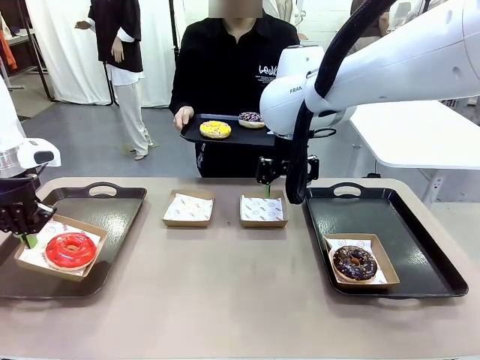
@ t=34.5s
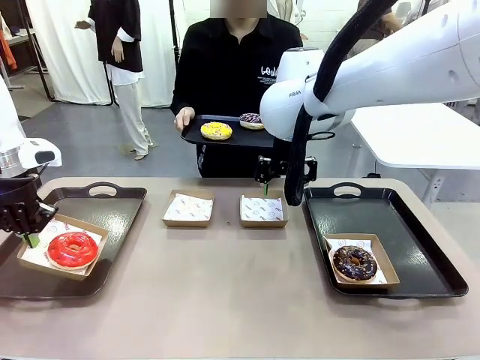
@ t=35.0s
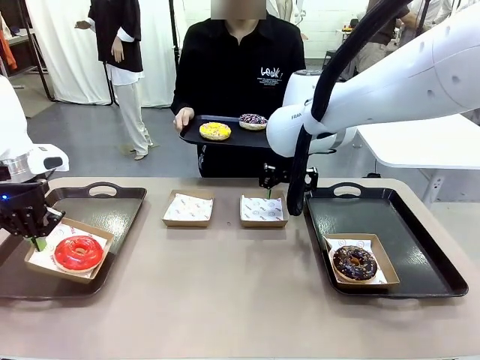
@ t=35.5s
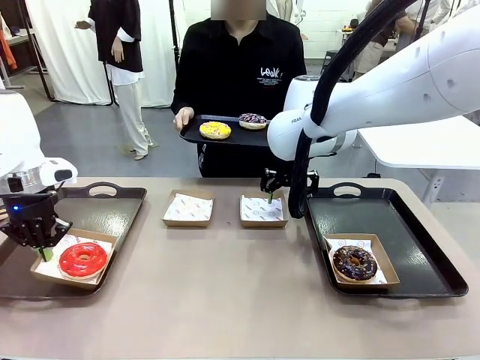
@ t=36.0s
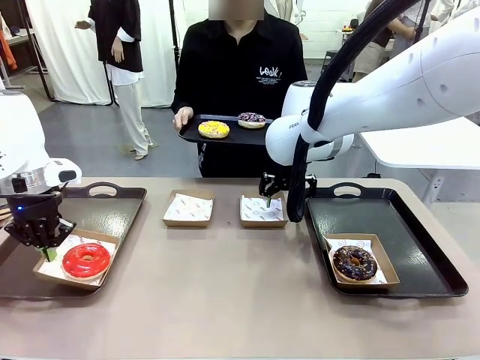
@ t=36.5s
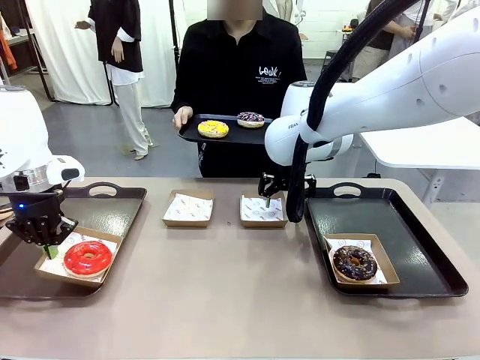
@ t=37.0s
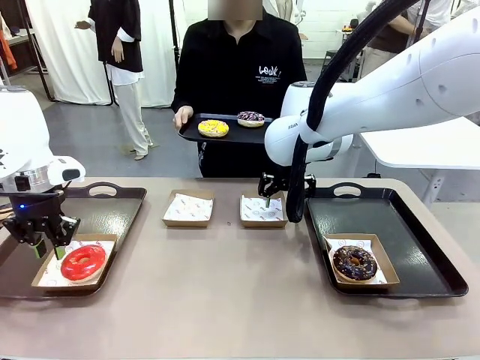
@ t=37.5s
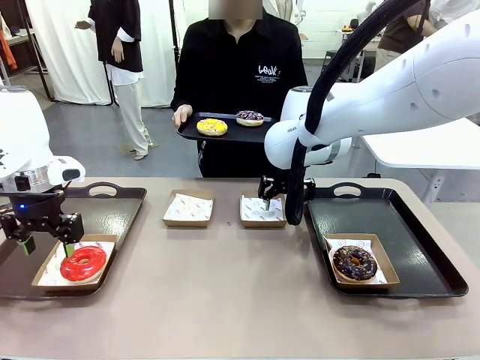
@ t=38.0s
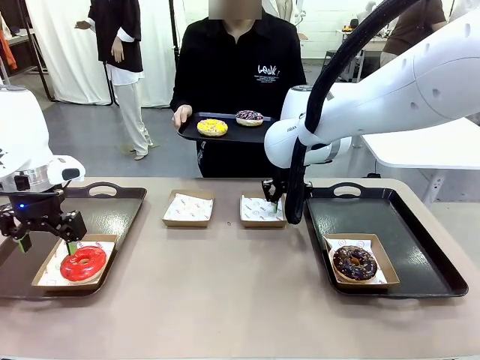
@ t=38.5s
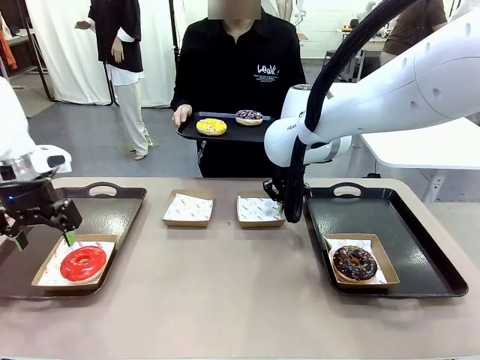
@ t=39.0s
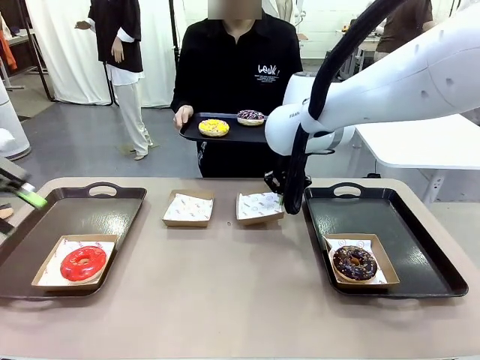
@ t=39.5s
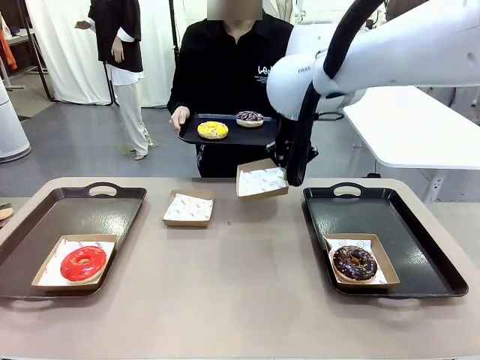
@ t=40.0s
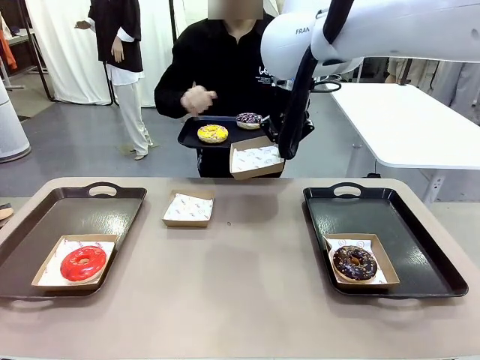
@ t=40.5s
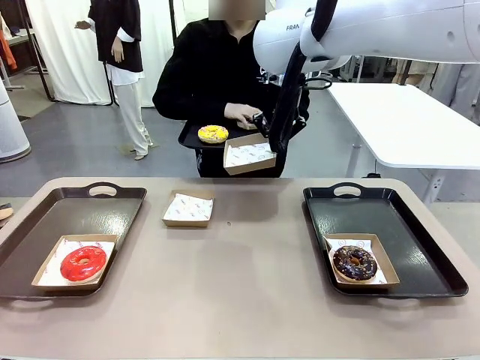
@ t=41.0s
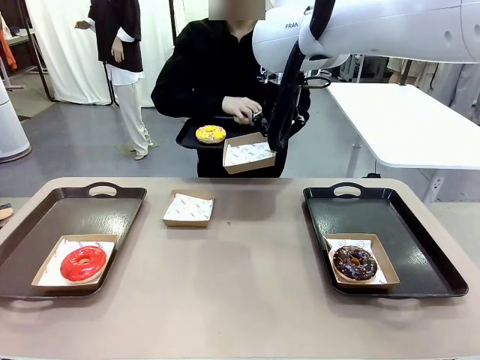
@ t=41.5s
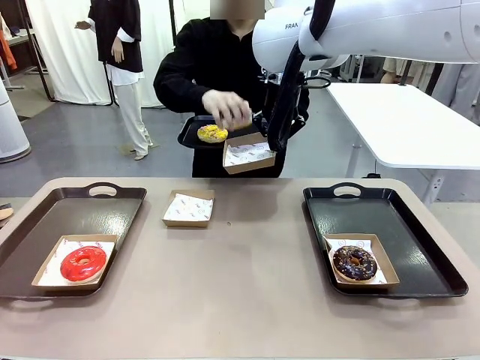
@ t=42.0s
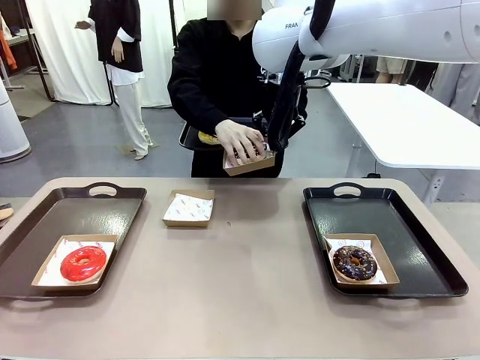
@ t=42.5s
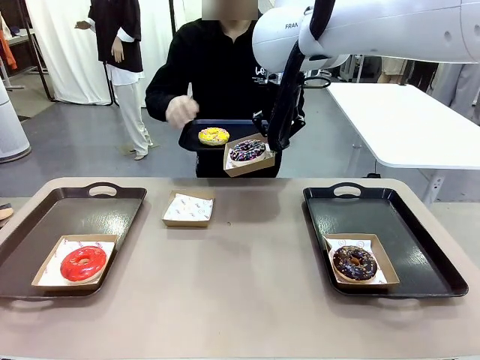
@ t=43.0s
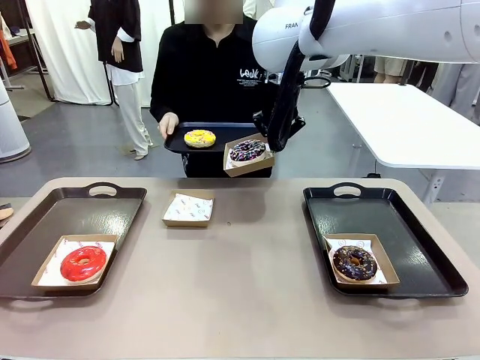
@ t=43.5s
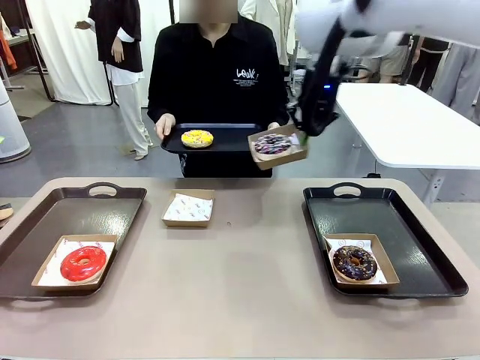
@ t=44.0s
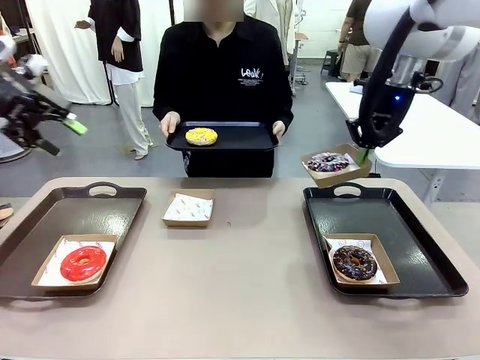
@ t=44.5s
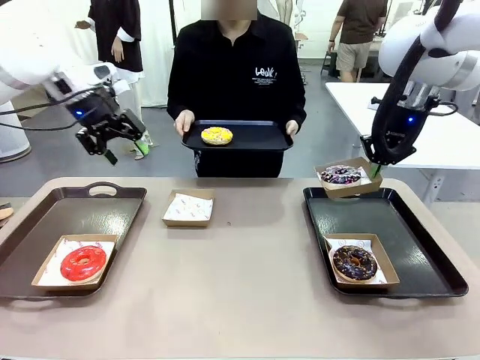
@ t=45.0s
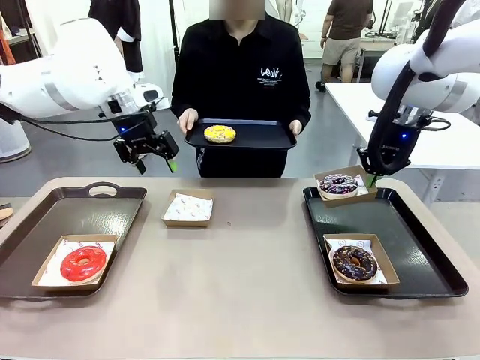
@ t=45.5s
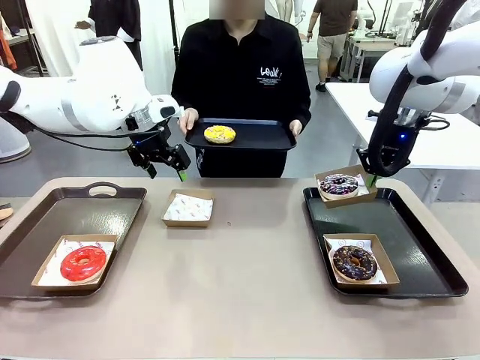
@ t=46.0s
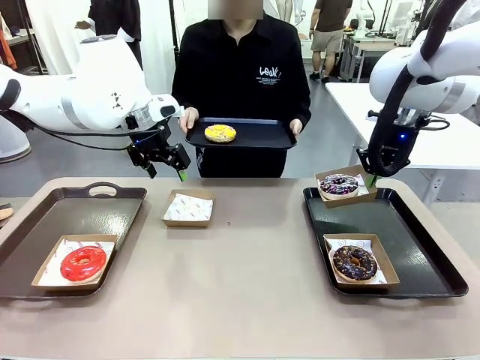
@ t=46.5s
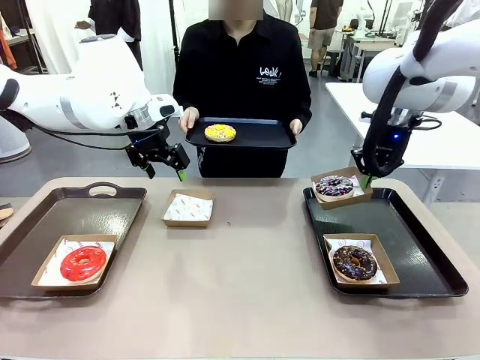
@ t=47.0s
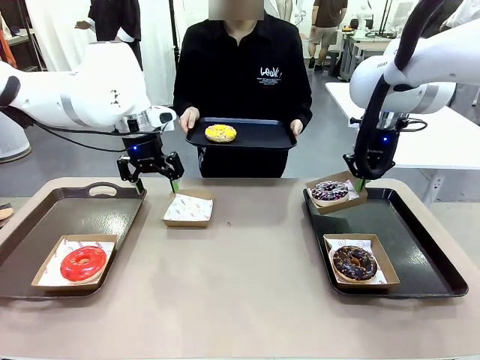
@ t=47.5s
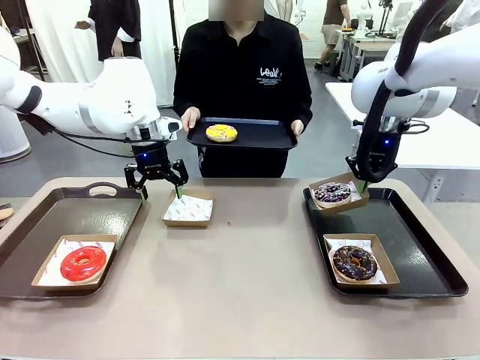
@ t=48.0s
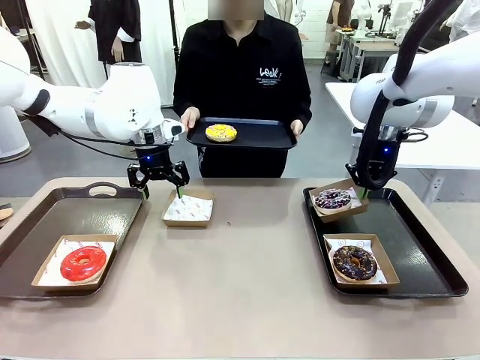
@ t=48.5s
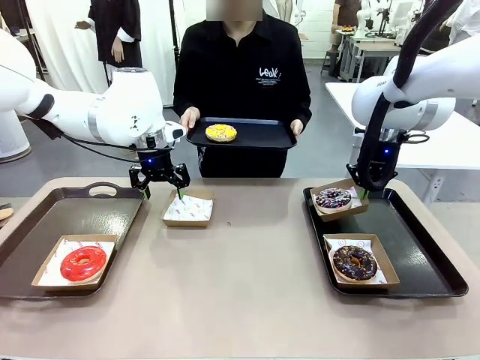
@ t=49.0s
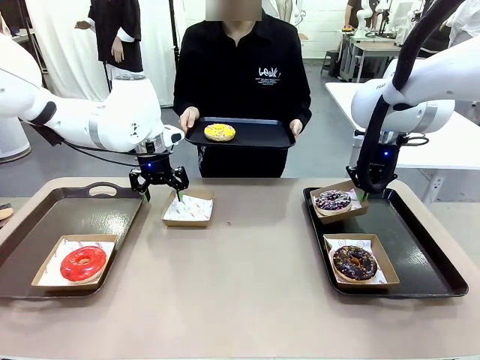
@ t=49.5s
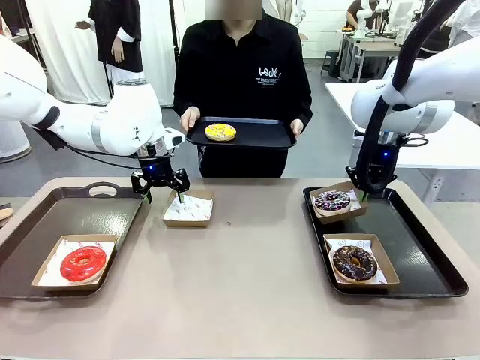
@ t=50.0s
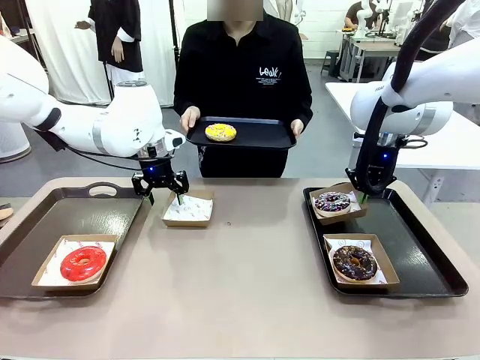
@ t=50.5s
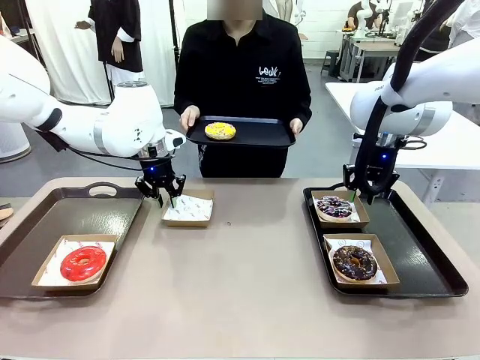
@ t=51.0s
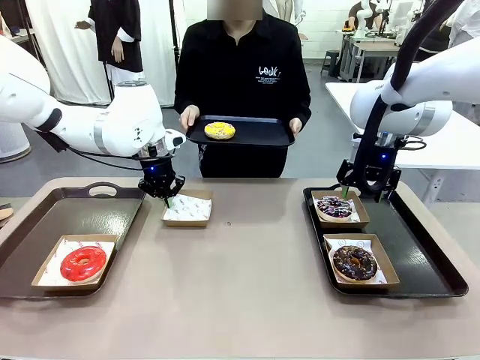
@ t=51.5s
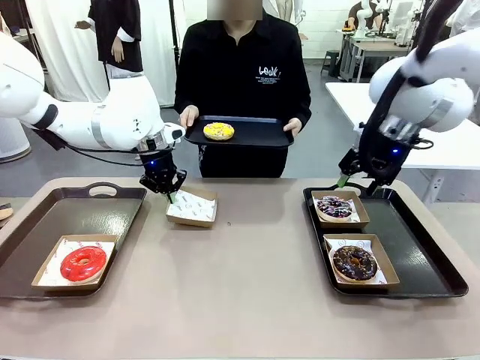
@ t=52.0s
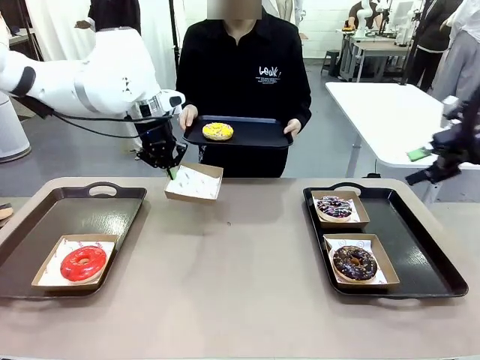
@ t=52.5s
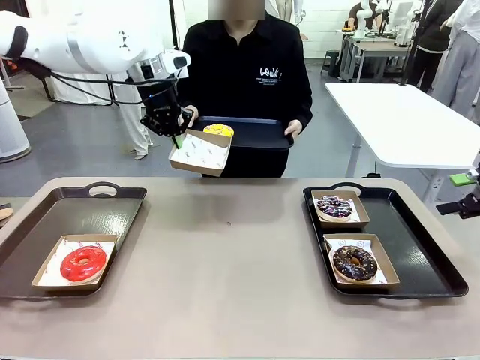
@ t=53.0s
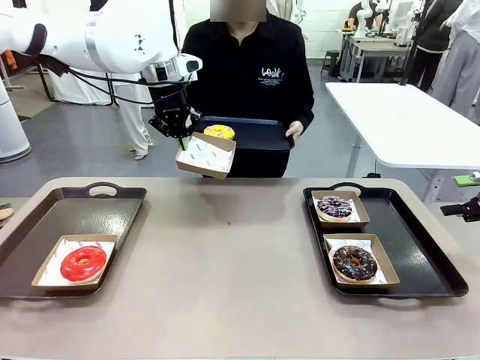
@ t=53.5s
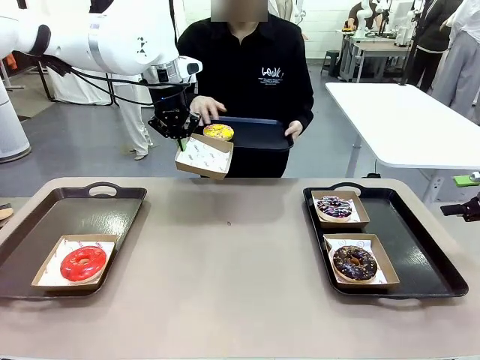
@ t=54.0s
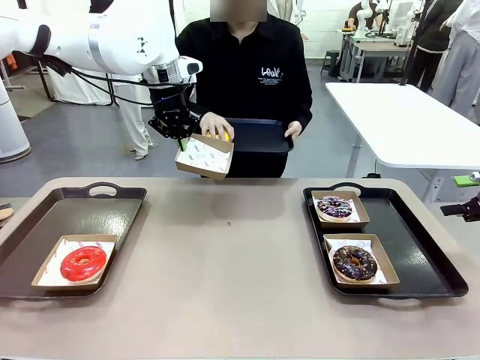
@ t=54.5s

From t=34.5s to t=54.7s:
Task: Individually package the donuts and arrange them on the tray.
Robot: Place the picked Paper togo box on the Handle tray while simultaneously picking up another Paper togo box from the table with the other hand.
